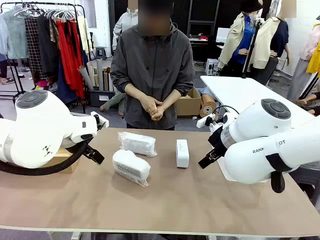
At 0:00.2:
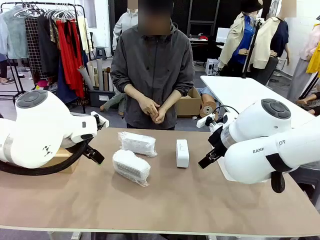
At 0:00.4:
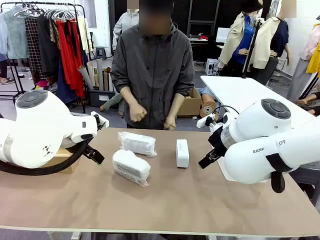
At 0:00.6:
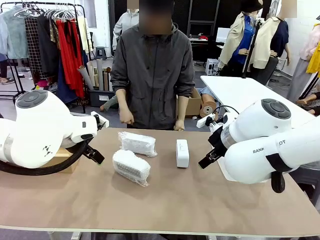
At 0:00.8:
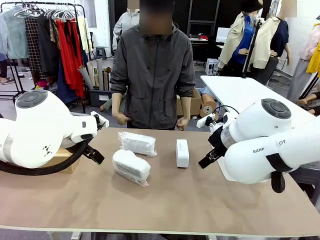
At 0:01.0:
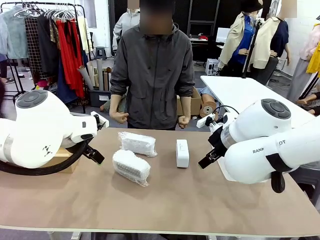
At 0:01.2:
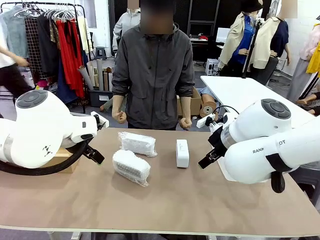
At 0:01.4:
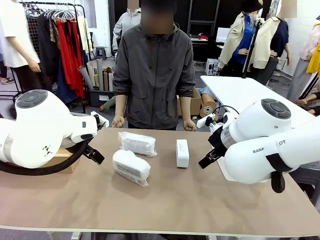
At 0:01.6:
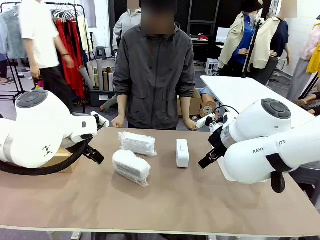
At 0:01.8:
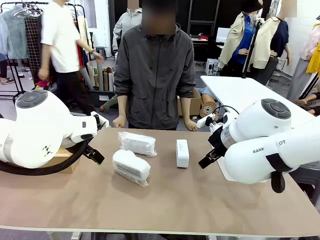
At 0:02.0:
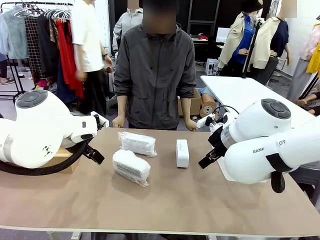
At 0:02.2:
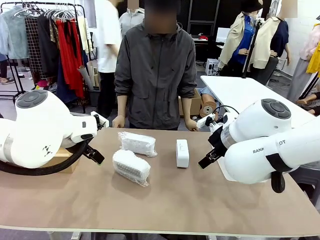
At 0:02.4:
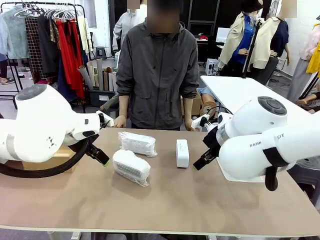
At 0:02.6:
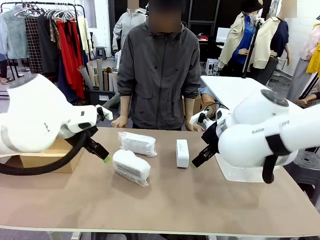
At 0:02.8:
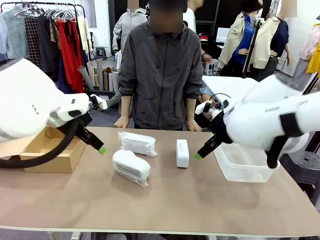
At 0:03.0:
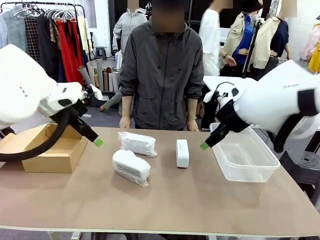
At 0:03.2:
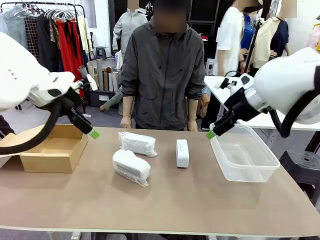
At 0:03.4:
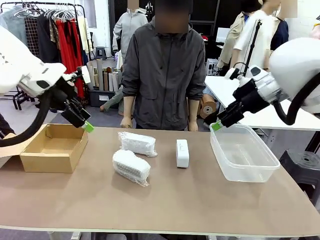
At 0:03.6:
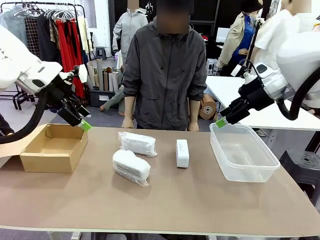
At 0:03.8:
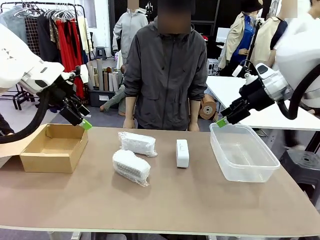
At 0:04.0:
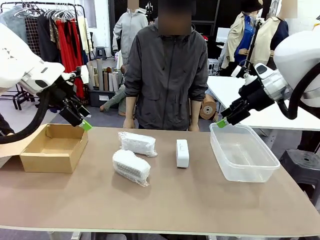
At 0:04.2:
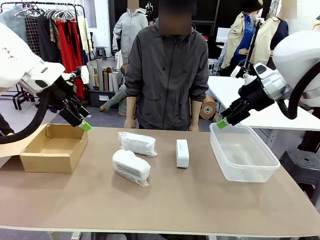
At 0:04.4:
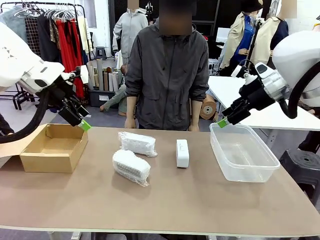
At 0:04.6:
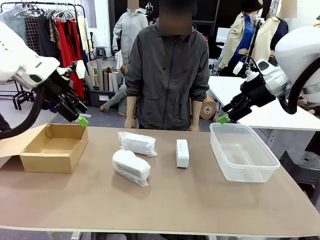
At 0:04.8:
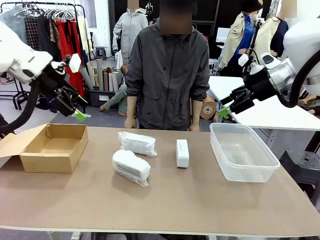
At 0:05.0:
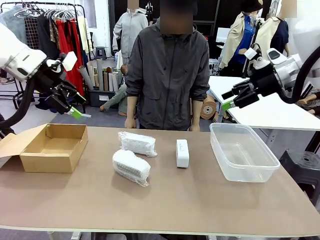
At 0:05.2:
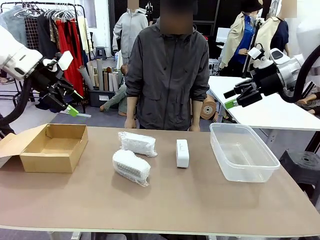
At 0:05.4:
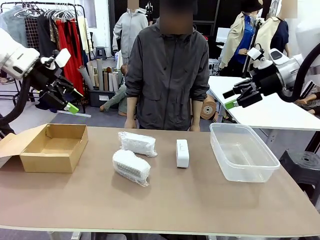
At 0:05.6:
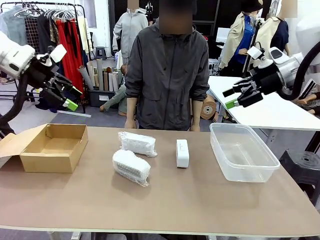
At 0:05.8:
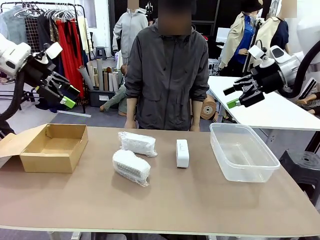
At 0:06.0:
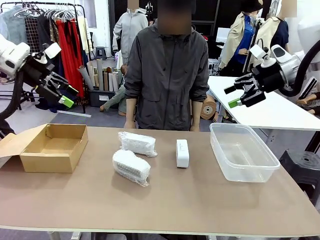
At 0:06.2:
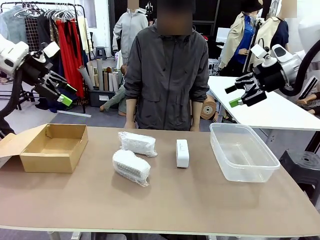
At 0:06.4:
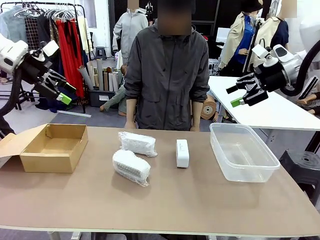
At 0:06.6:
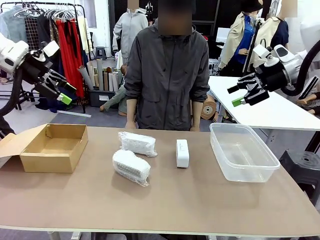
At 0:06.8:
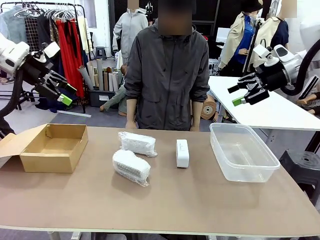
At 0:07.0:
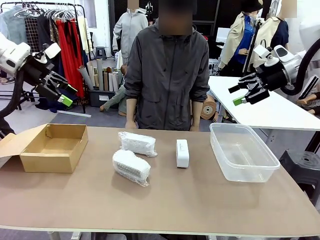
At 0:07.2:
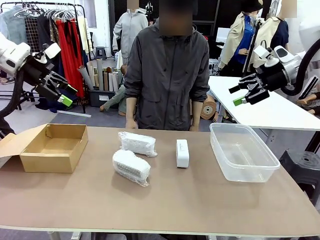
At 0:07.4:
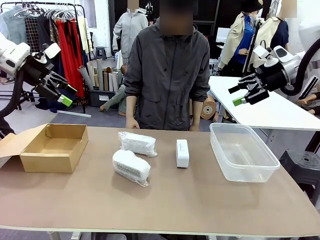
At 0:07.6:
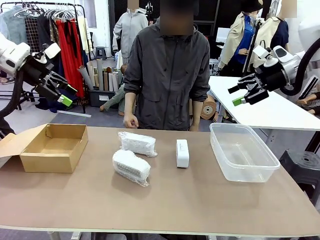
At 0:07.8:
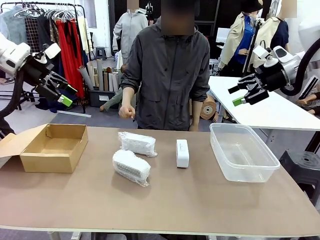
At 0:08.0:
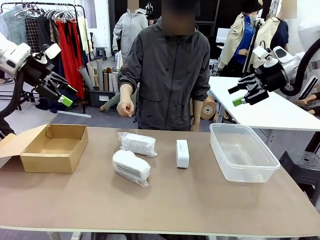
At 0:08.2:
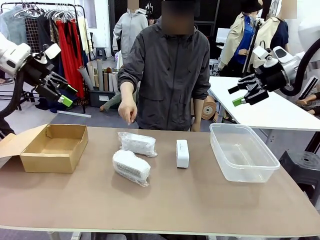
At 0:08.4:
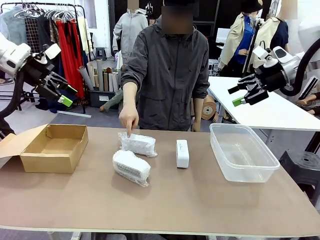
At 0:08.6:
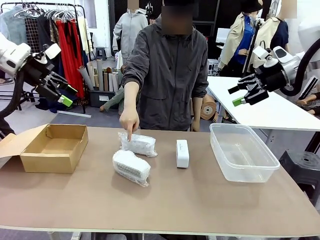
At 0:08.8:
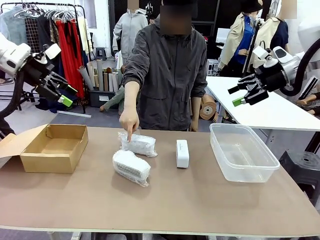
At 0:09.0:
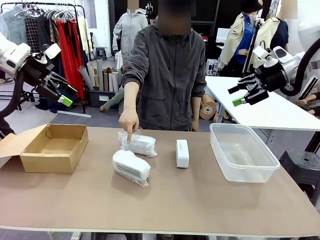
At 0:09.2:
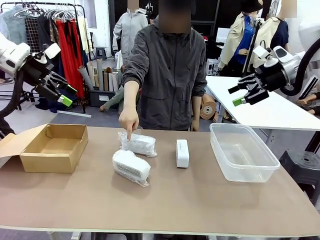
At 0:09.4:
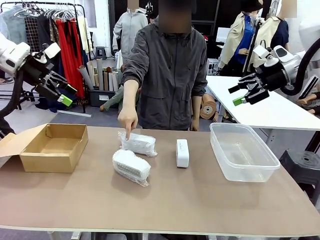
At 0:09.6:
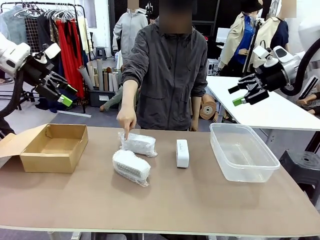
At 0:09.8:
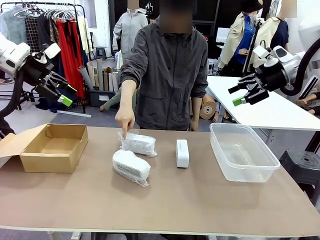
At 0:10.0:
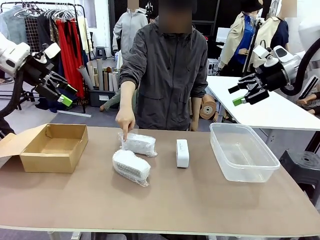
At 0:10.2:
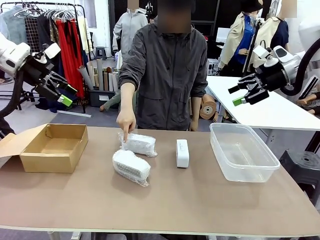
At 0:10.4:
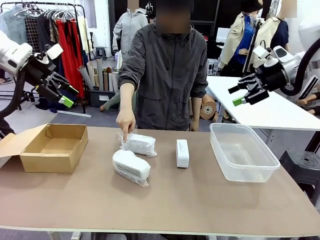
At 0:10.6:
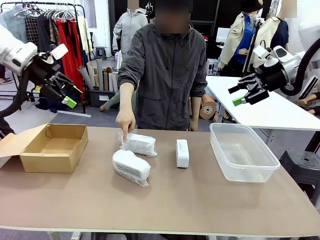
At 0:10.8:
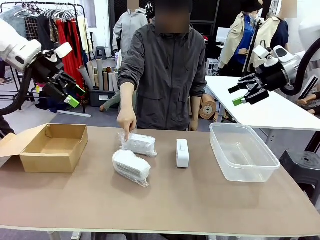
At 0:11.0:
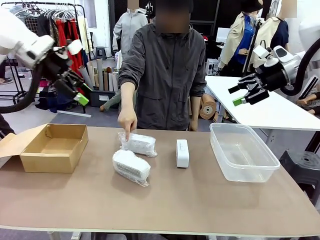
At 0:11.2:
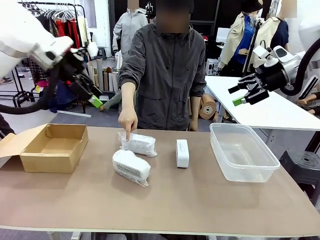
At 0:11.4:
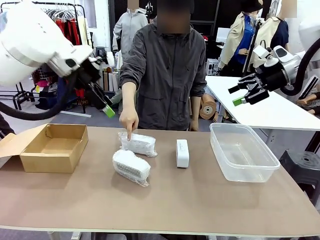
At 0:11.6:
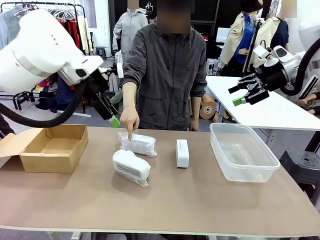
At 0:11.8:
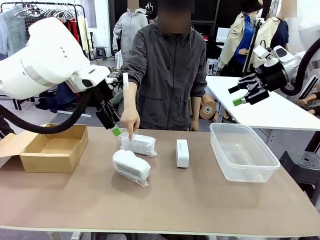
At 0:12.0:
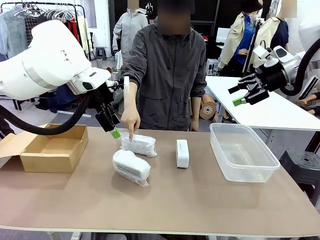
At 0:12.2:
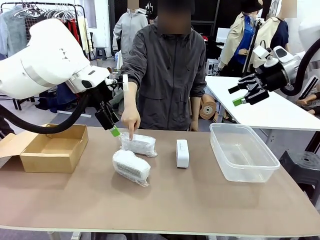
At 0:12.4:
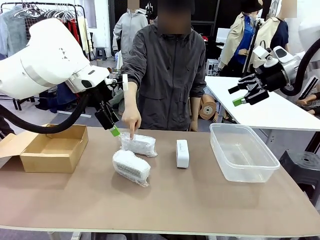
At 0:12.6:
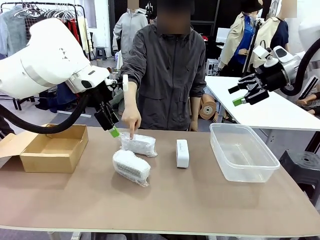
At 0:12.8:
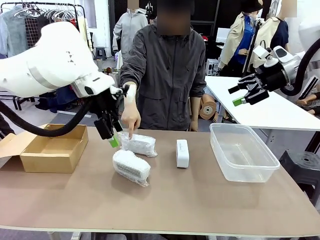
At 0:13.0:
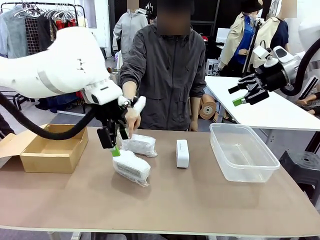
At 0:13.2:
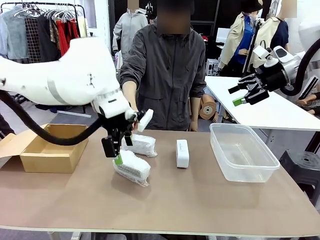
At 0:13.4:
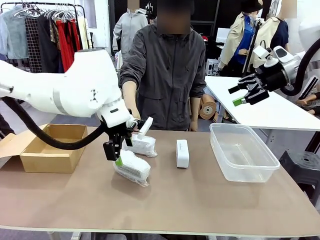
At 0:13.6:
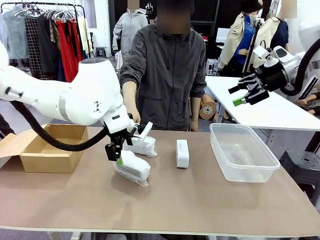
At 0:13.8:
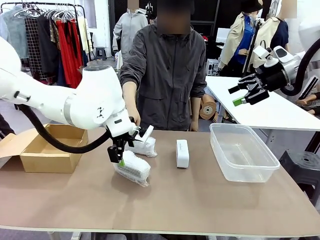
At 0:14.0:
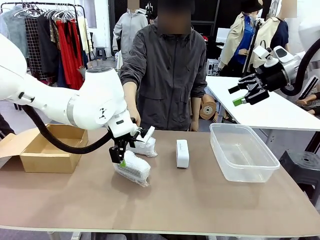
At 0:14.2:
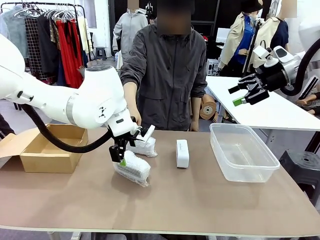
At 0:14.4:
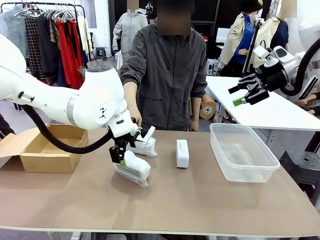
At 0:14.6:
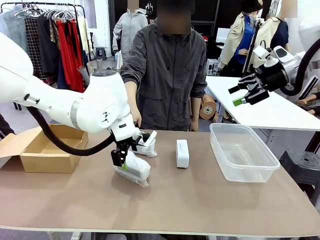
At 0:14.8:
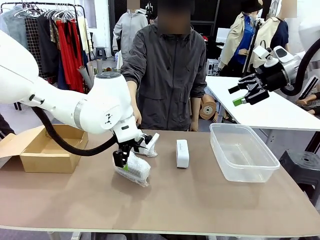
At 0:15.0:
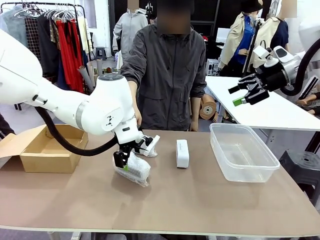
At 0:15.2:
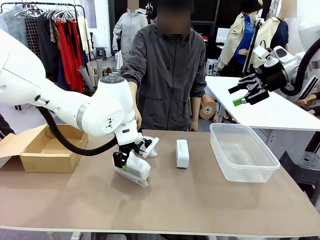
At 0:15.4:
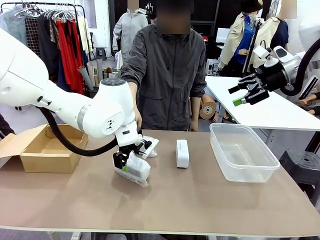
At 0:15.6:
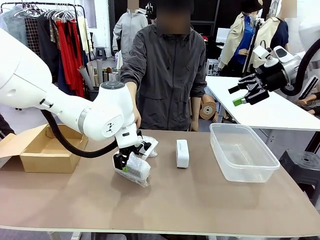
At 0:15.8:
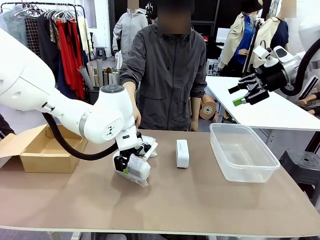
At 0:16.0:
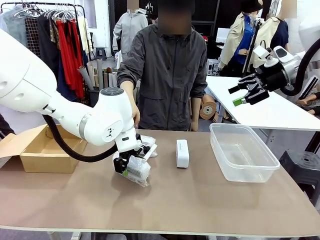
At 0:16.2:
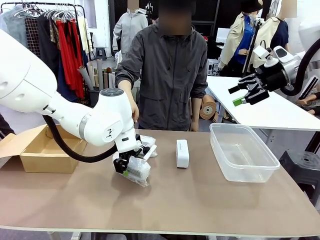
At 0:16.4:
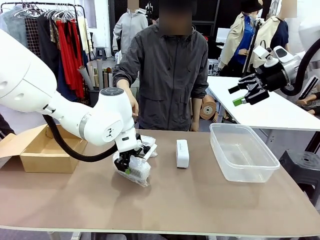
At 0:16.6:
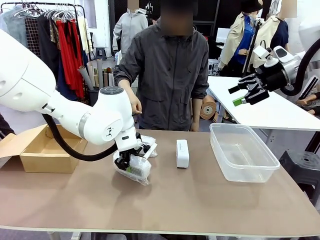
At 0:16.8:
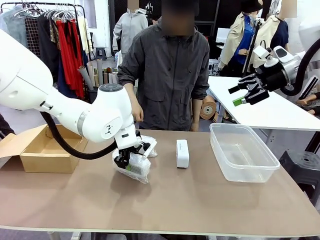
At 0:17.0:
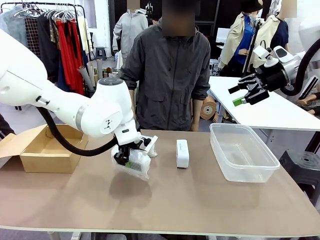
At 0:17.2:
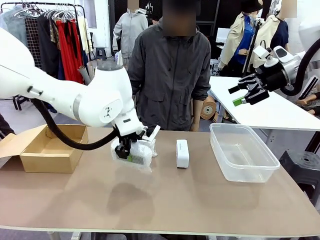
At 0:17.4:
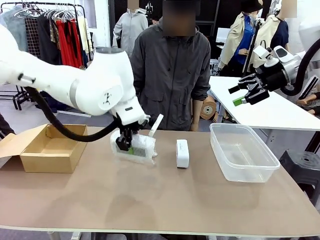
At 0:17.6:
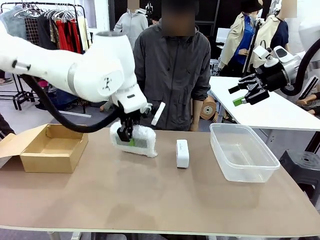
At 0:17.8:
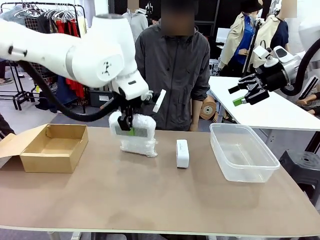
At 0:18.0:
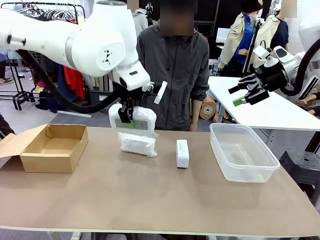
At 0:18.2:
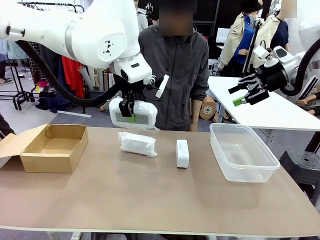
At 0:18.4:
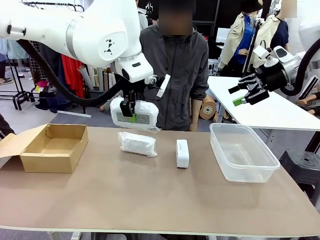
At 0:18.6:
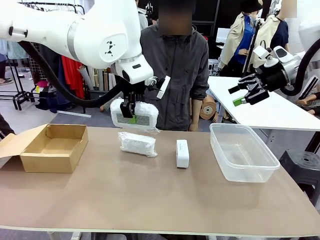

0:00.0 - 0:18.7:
Task: Separate and place wrapped and unwrapped clocks.
Robot: Pick up the Digital clock indicated by the person.
